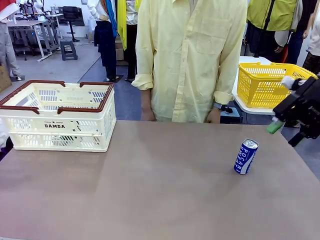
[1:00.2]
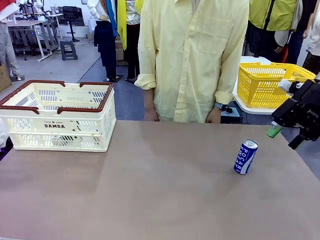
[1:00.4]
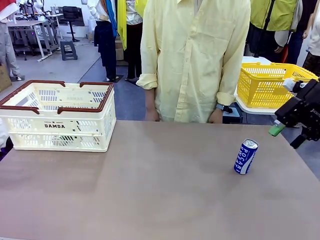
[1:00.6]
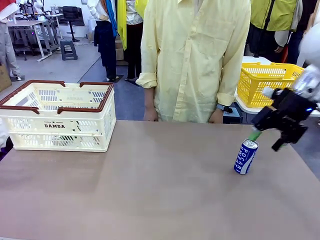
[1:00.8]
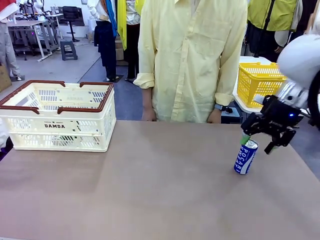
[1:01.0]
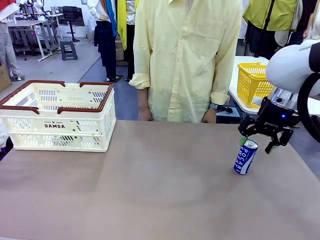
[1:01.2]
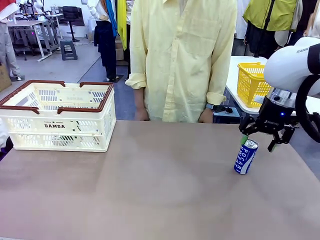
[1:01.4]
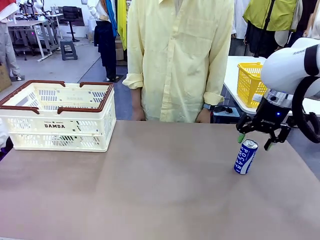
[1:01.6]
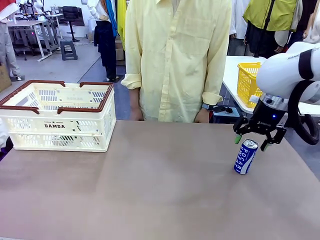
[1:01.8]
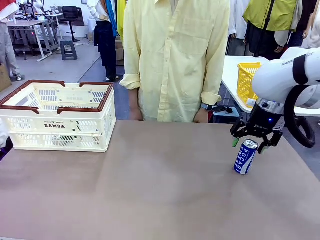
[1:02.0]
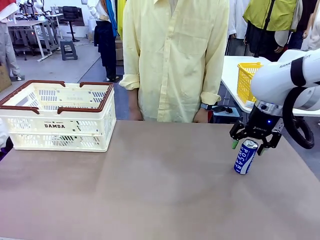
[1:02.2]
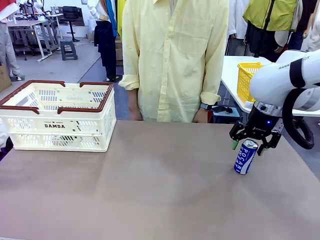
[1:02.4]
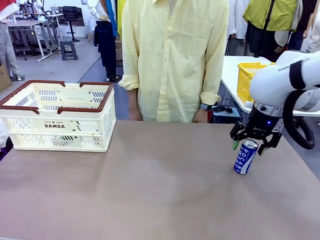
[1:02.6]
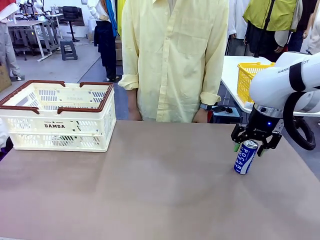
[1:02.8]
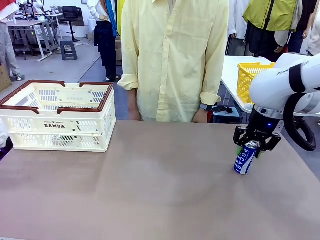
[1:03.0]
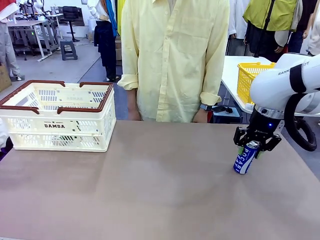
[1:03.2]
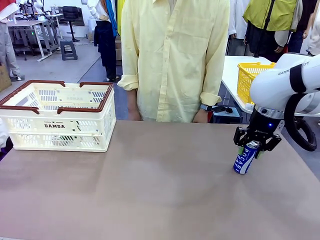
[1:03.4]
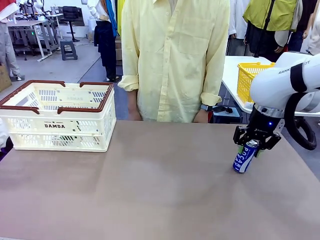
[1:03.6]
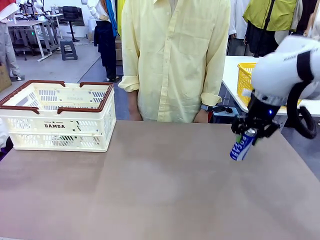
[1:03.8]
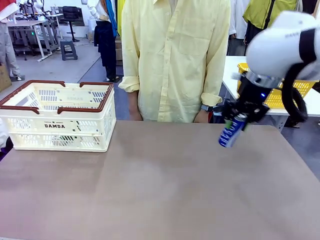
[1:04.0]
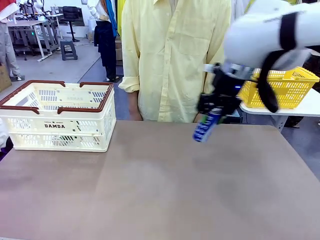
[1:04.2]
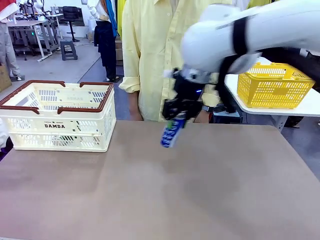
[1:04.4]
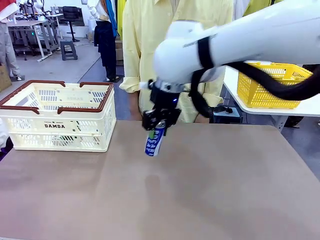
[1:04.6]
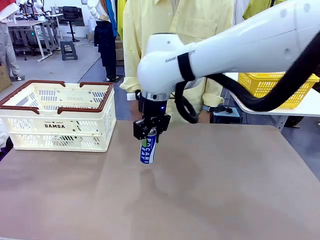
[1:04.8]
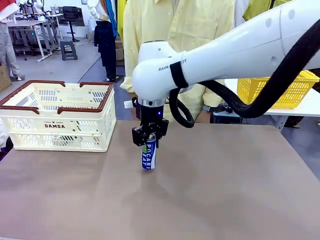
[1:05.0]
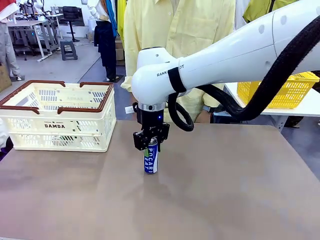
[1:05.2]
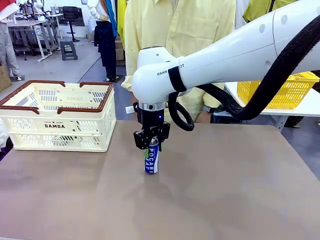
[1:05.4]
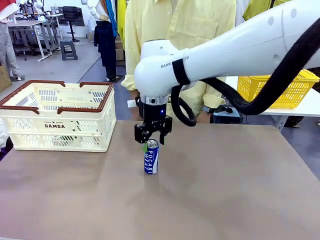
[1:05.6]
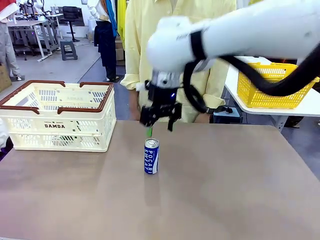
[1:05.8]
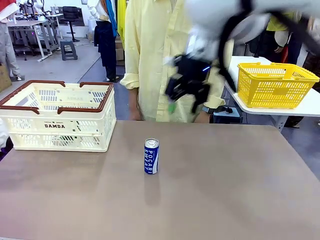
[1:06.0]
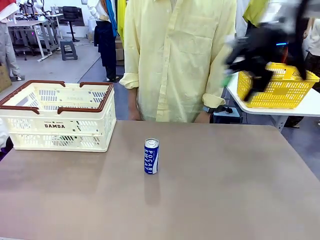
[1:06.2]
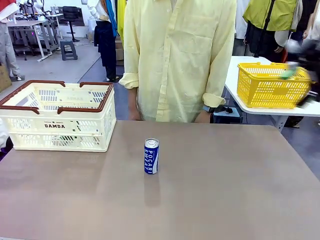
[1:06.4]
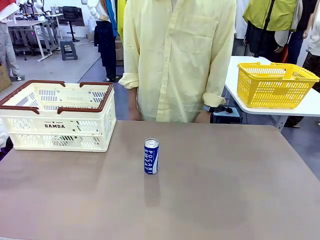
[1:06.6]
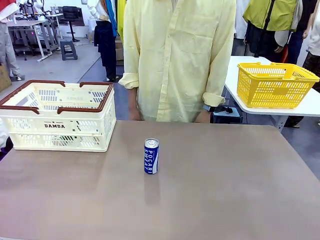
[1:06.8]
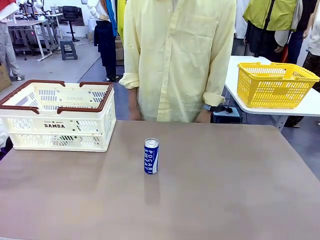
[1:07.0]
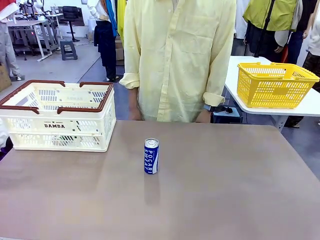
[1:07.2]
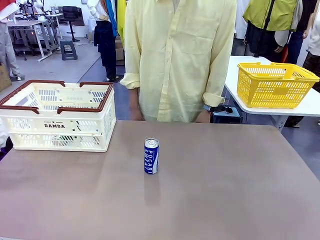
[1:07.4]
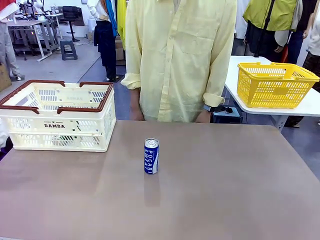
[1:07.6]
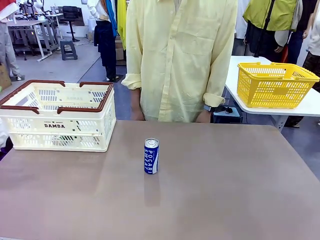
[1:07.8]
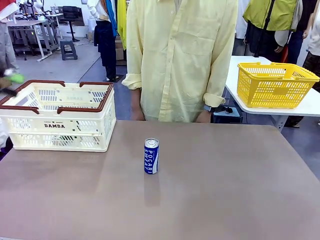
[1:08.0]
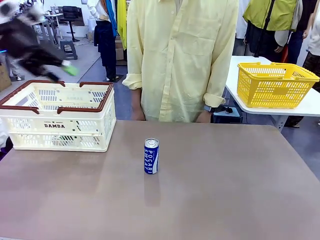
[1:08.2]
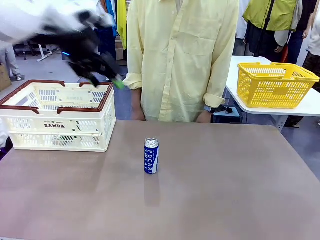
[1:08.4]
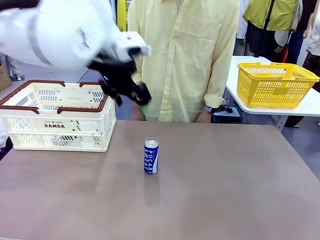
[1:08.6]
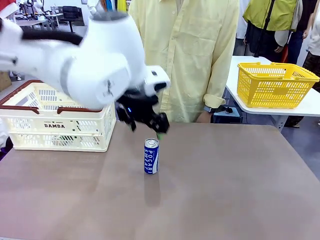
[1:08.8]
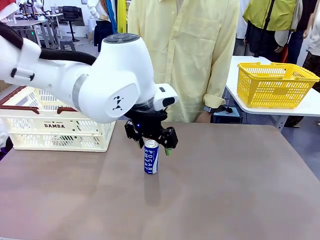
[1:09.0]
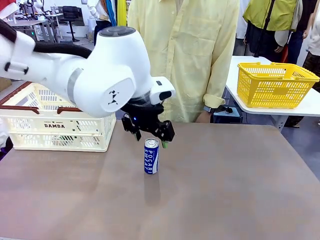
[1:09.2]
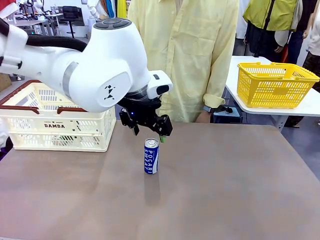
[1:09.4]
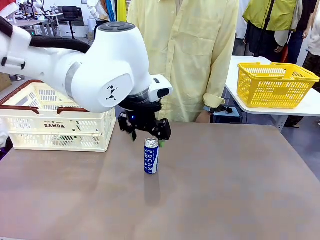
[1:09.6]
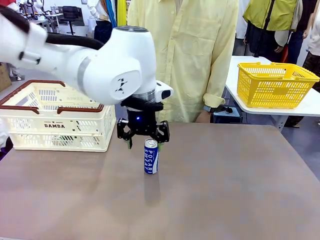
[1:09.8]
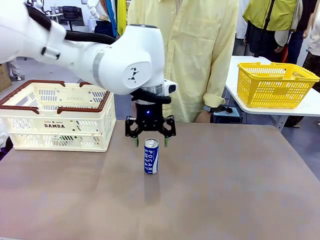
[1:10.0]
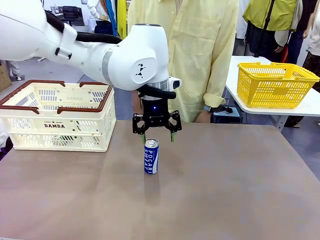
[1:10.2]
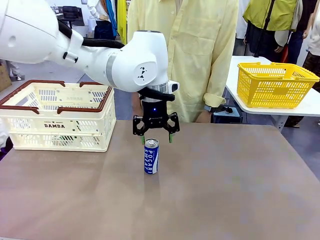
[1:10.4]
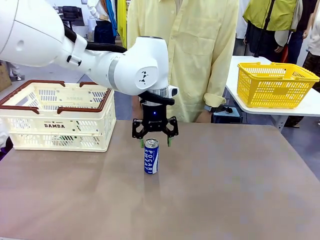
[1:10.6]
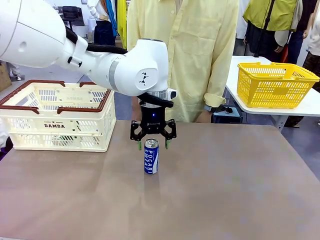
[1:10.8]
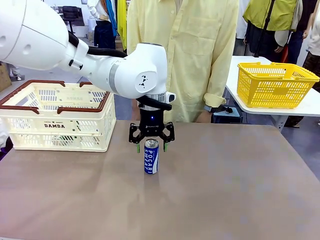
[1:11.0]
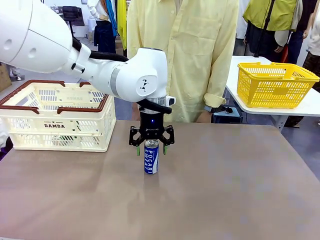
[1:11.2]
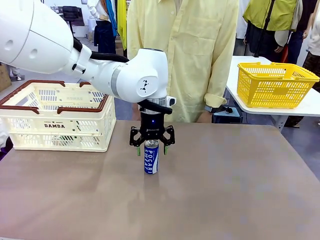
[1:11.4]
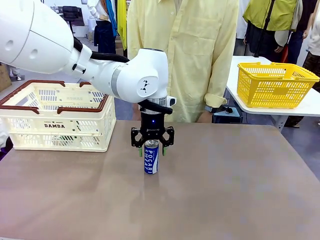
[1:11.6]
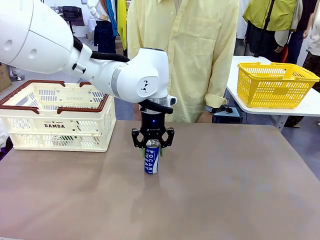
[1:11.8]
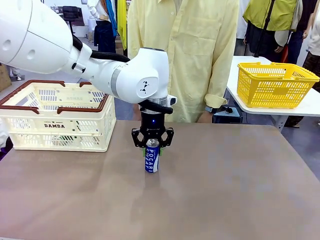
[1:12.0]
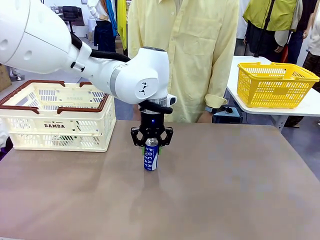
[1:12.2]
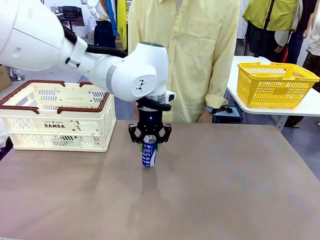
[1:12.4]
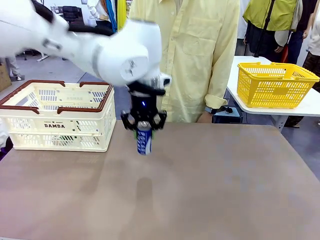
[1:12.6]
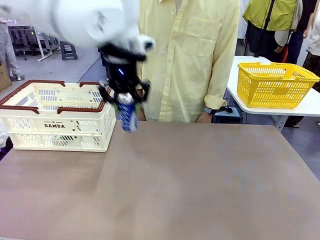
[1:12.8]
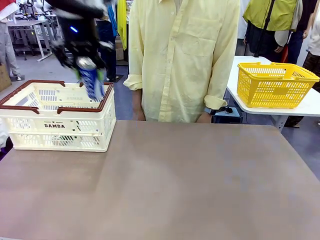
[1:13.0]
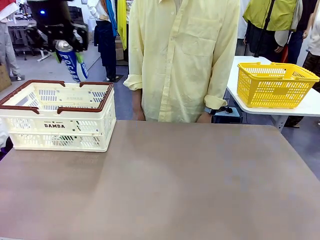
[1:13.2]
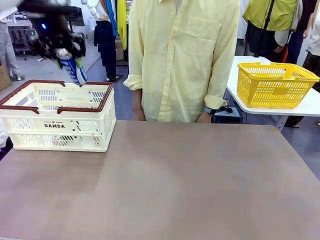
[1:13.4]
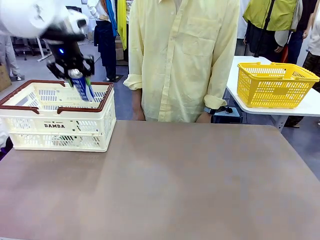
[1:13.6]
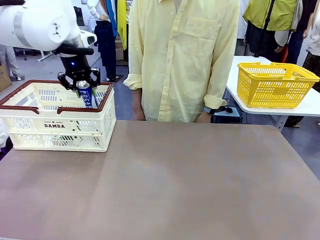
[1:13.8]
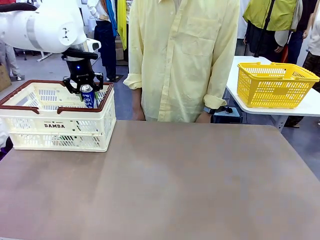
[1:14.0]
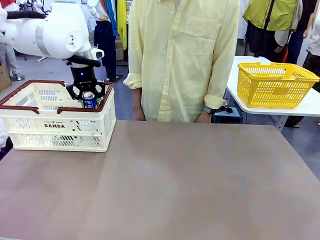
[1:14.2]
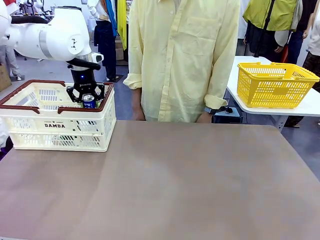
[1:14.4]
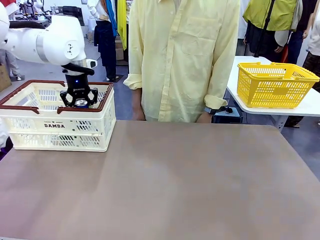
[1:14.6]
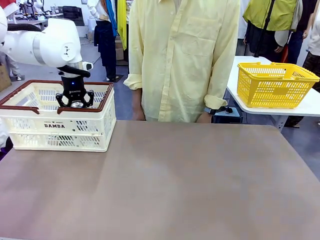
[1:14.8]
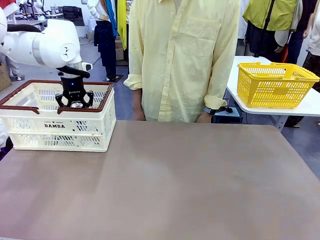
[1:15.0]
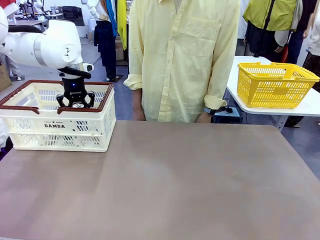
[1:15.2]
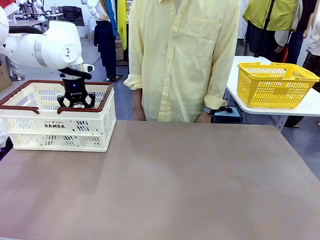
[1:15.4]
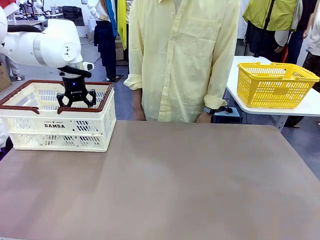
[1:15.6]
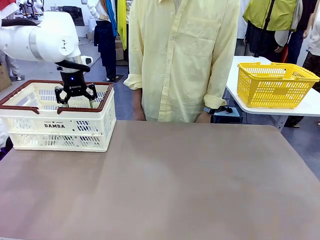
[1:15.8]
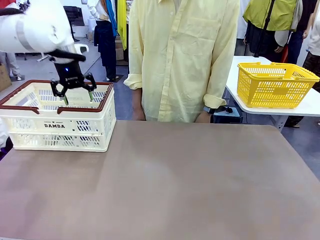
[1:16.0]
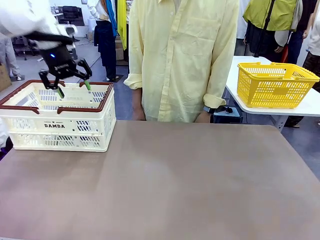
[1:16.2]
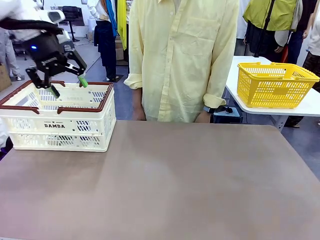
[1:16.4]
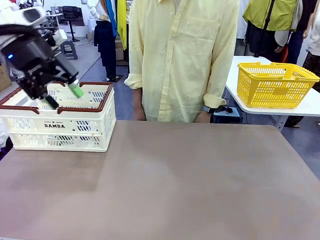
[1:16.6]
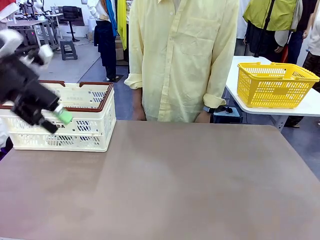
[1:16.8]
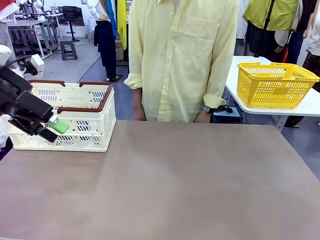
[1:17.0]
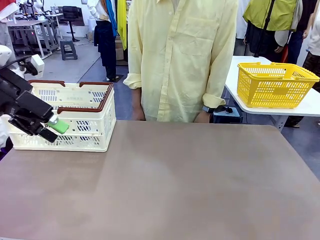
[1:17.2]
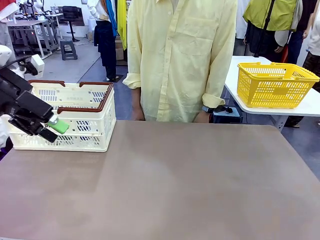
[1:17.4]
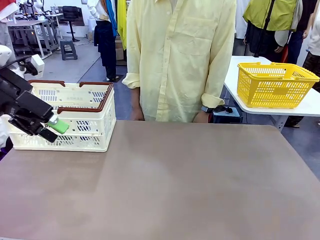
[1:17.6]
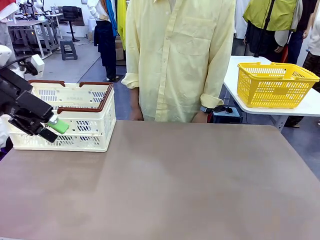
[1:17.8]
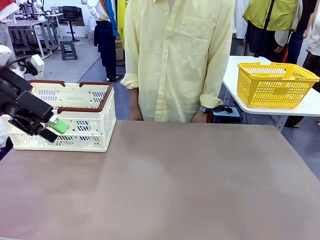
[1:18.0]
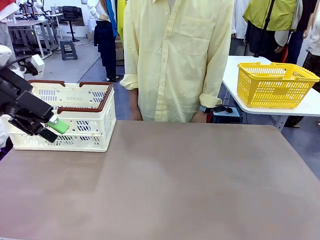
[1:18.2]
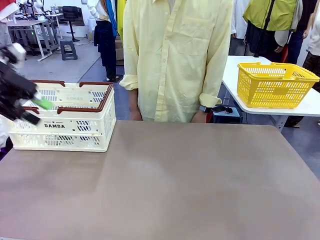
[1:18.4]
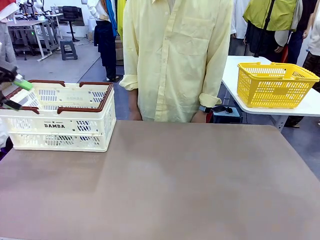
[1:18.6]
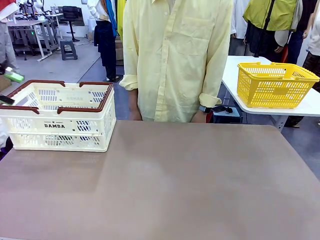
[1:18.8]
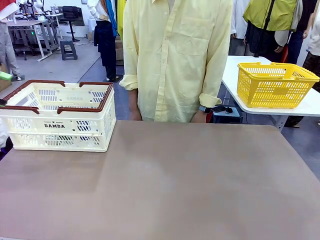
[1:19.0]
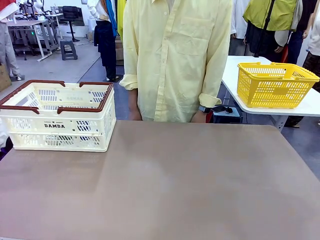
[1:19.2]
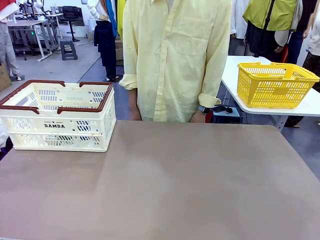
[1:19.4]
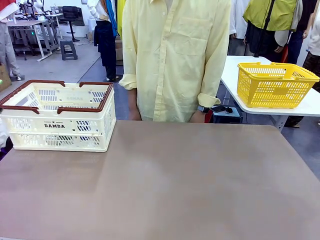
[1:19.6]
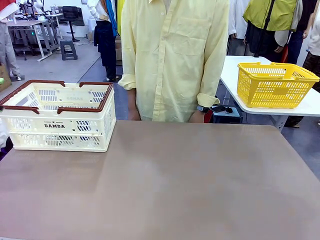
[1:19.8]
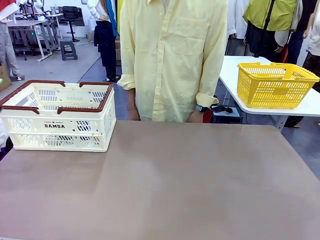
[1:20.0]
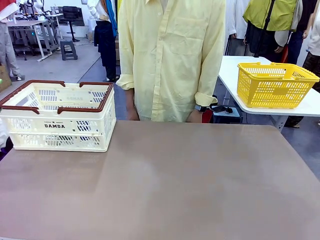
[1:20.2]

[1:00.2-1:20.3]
Task: Place the drinks into the Shopping basket.
Robot: Pick up one drink and place it into the Shopping basket.
